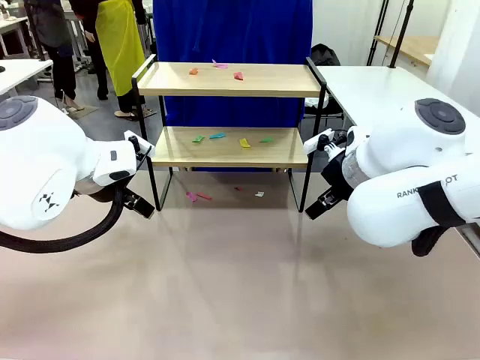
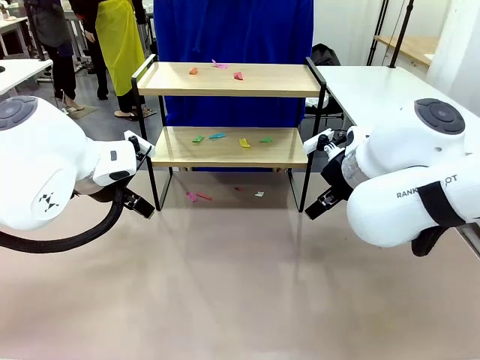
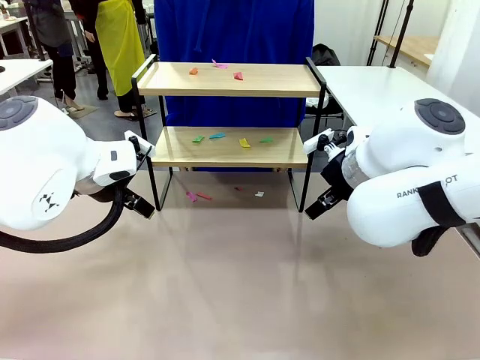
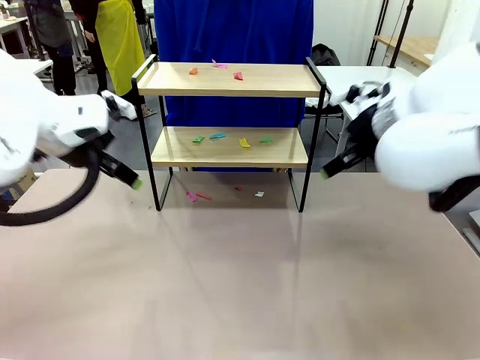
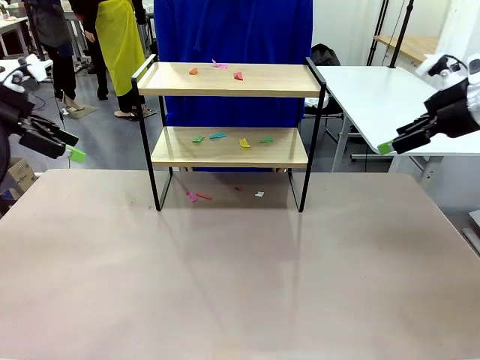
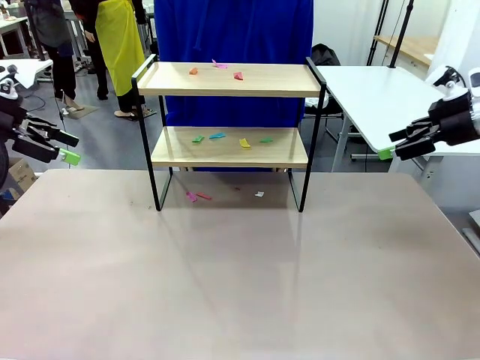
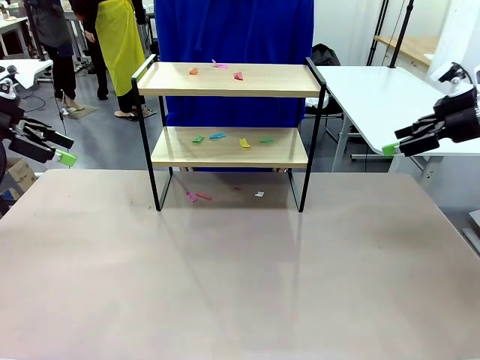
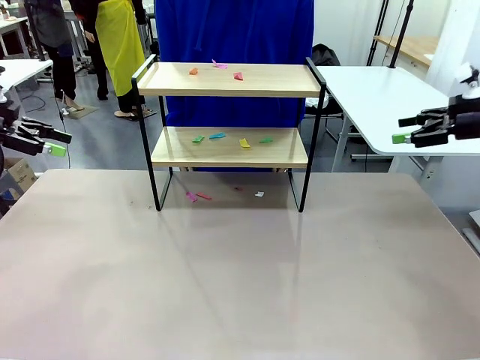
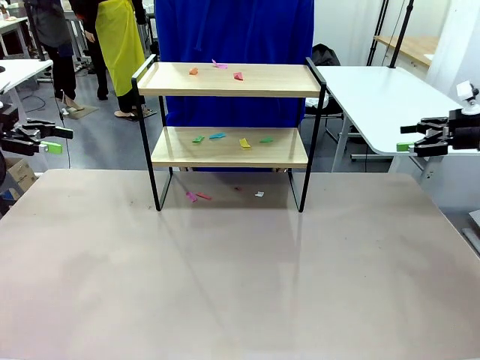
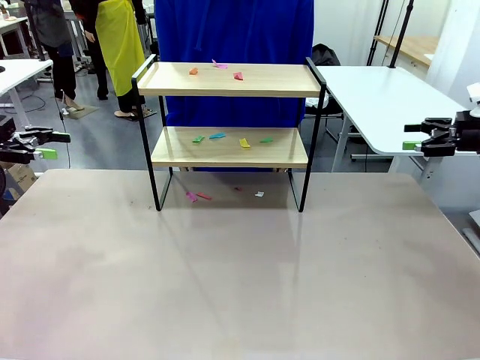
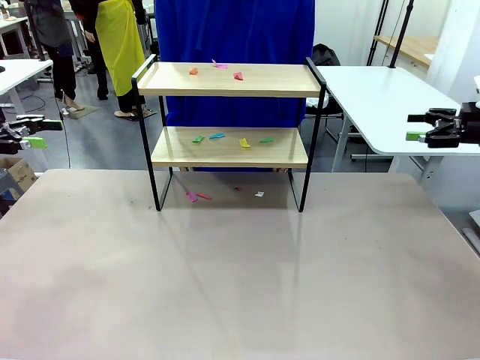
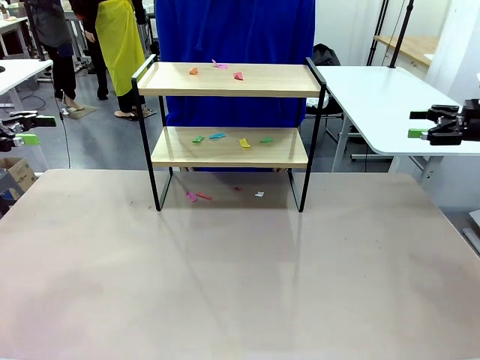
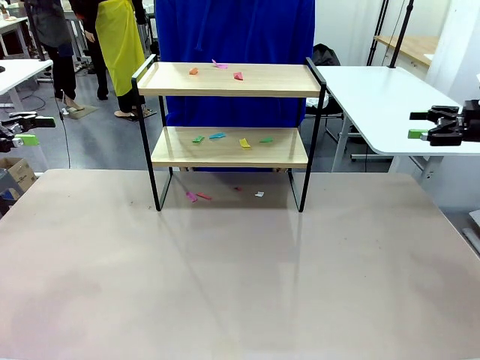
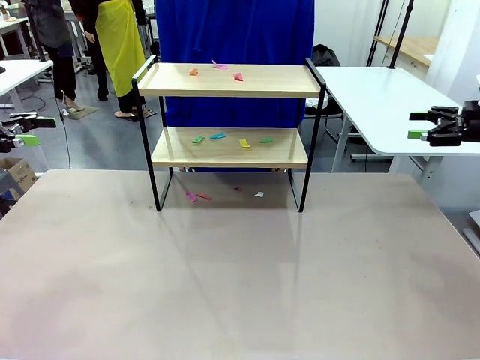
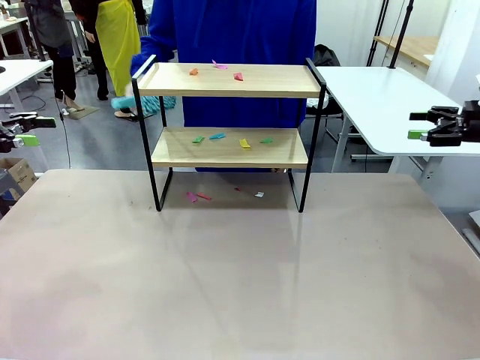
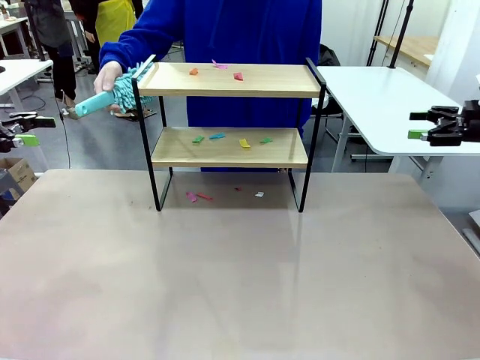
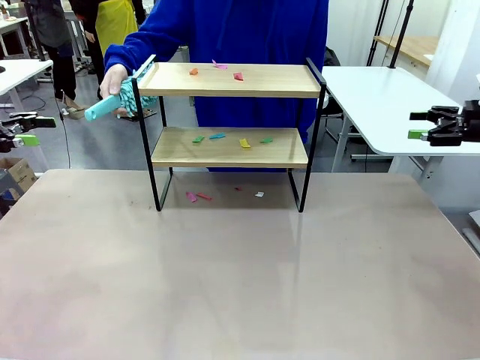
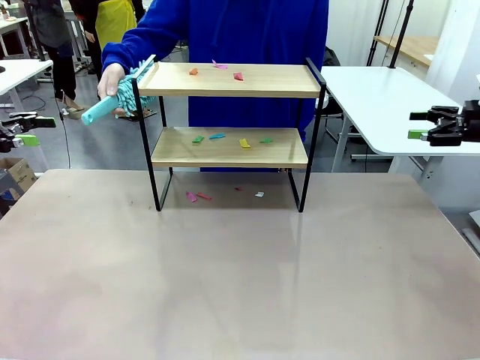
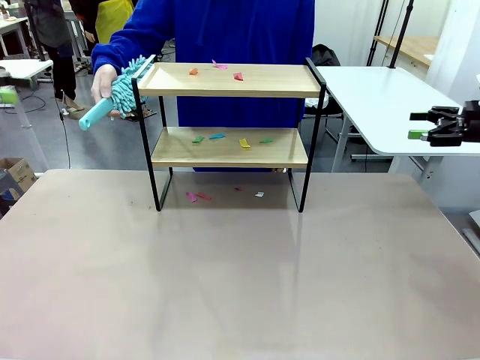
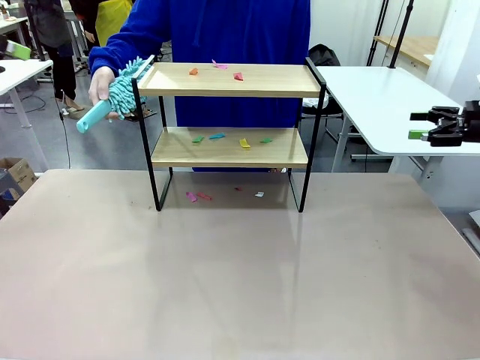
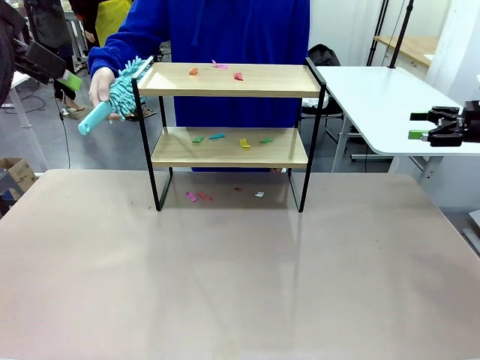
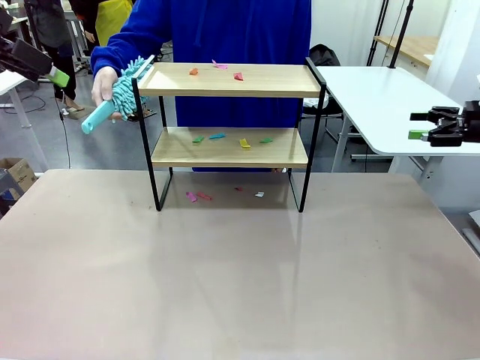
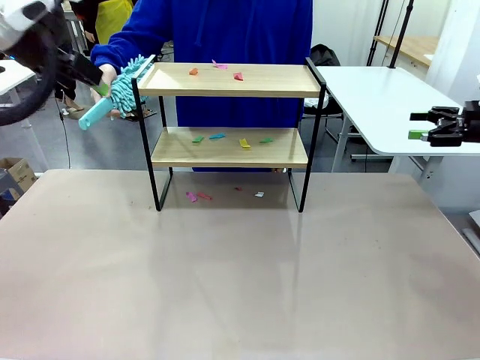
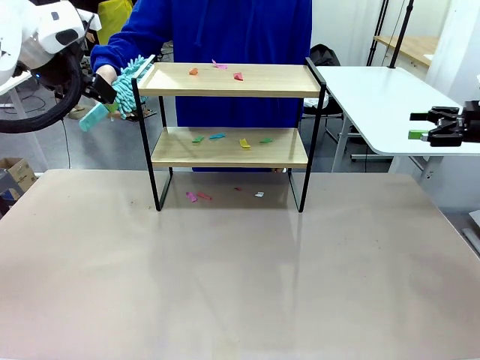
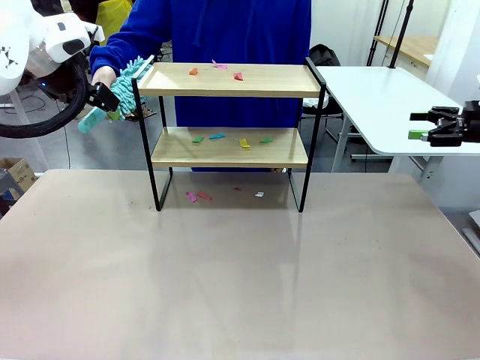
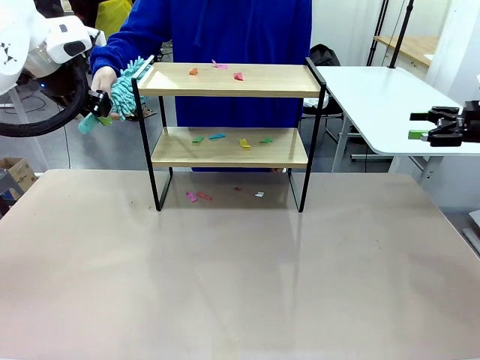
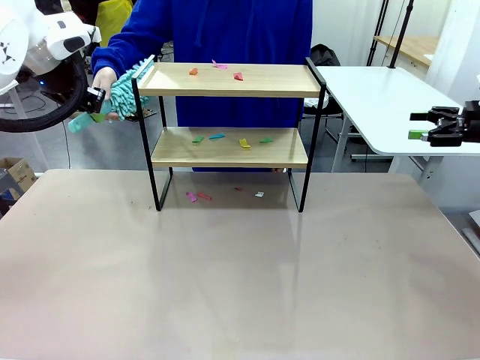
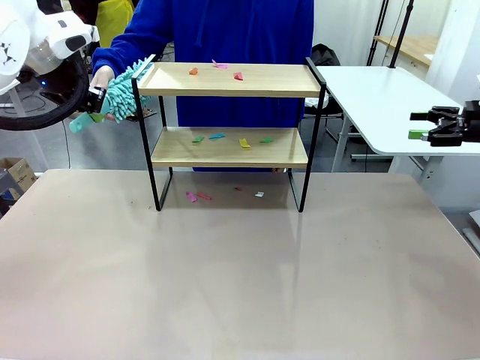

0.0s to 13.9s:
Task: Clean the shelf.
Robot: Pick up the Duster handed by the human.
Person: Hand the Duster to the robot.

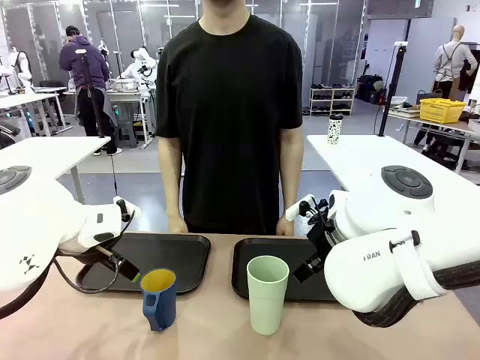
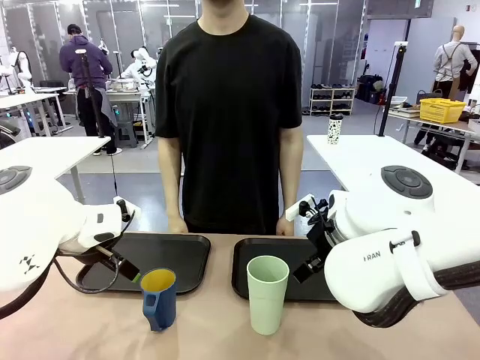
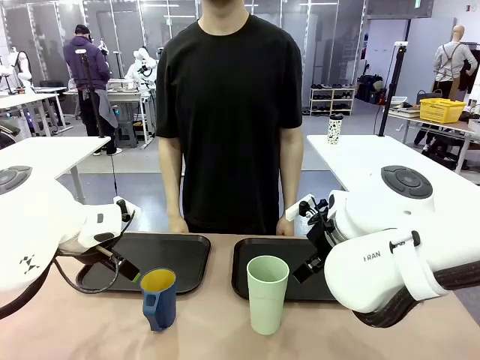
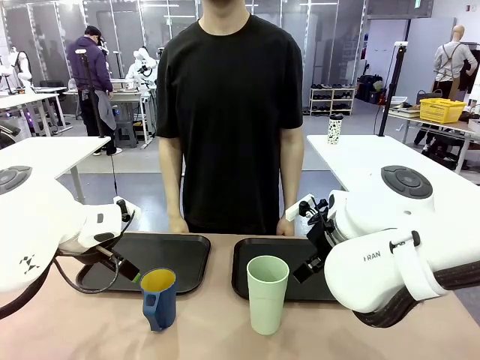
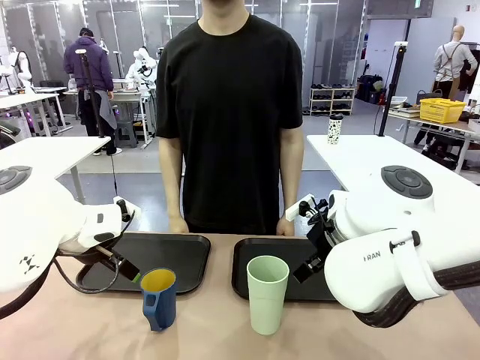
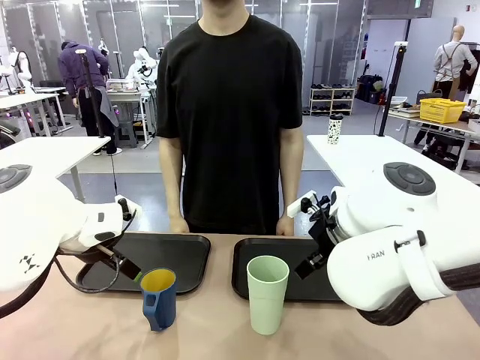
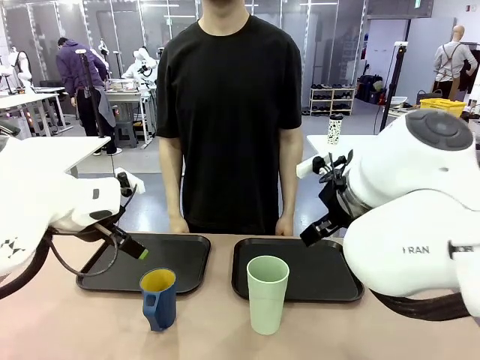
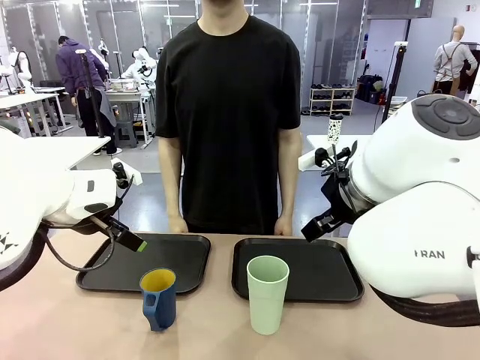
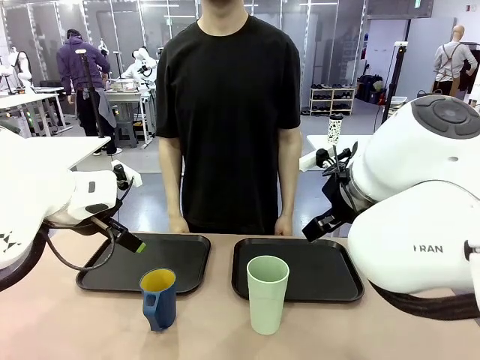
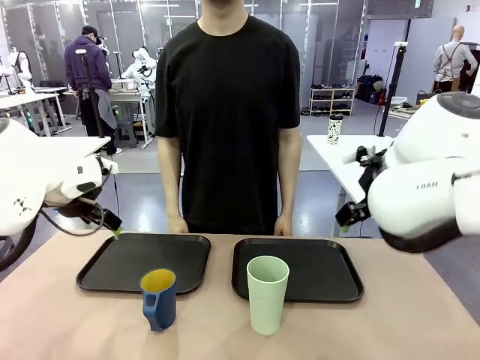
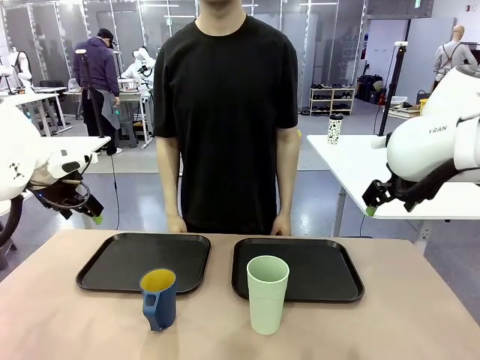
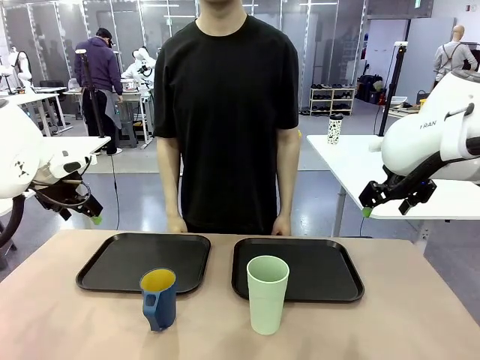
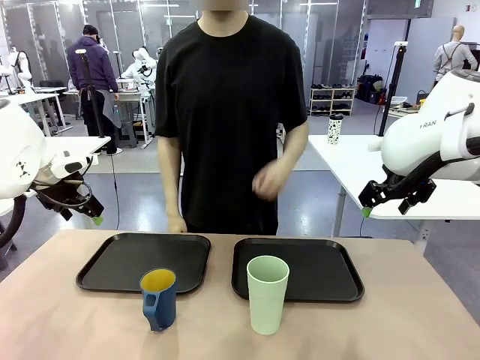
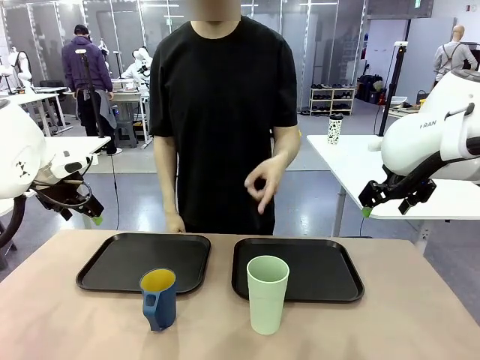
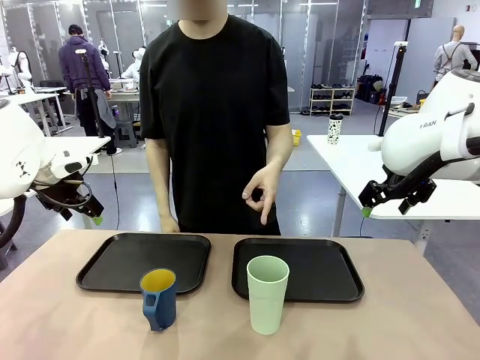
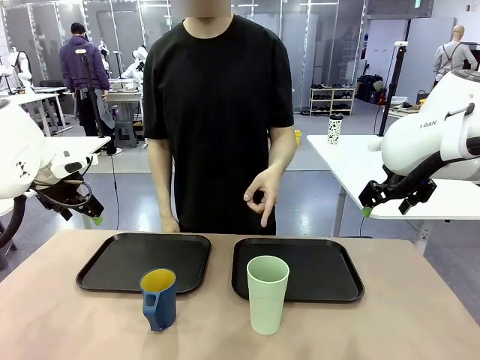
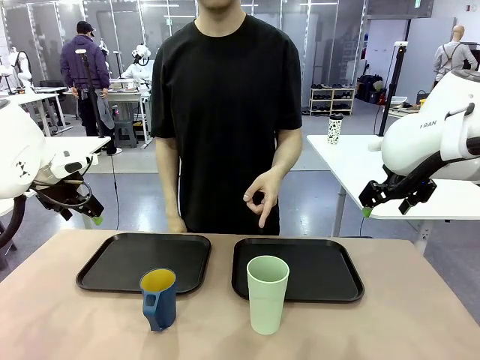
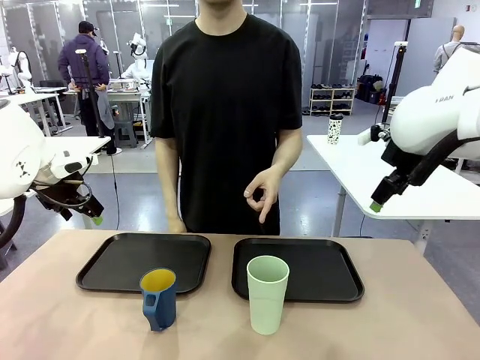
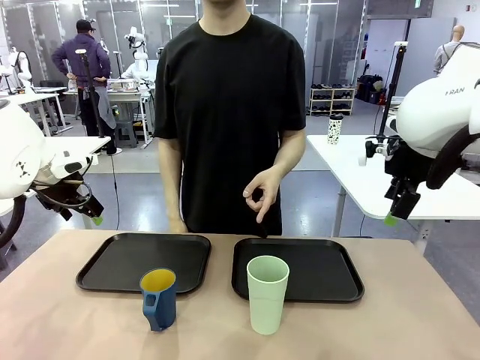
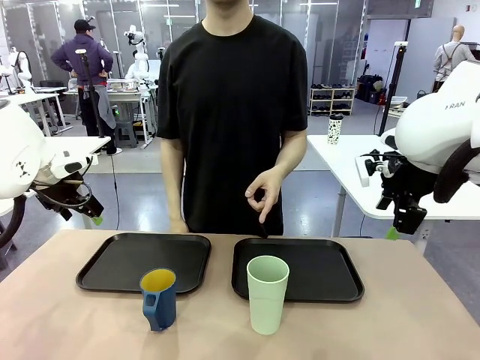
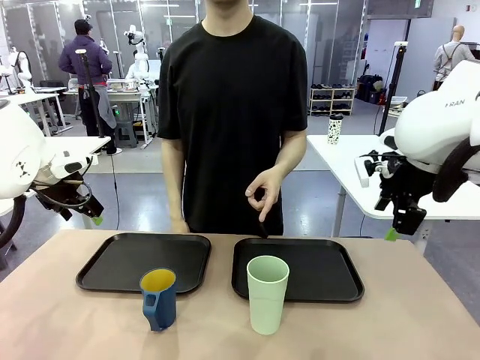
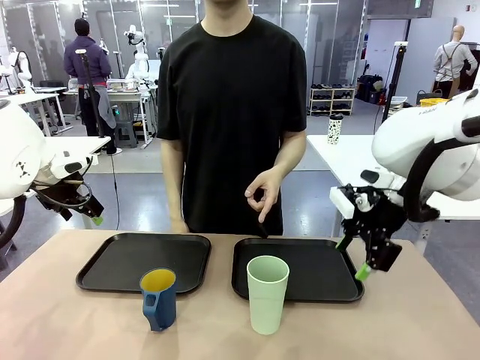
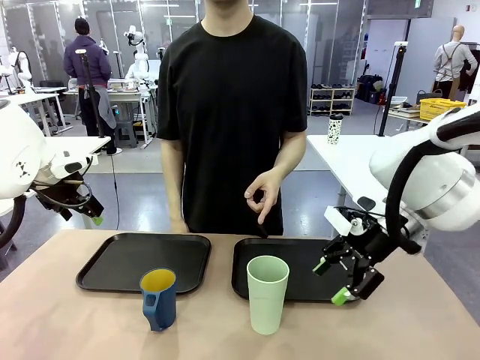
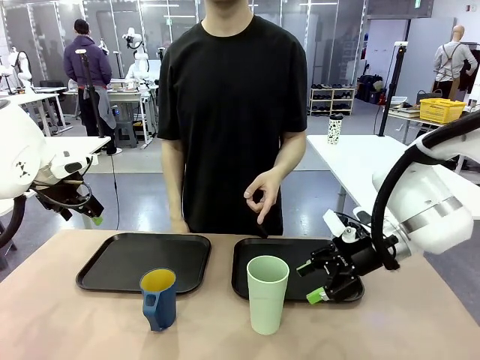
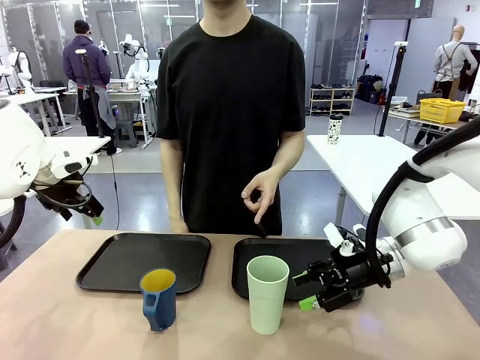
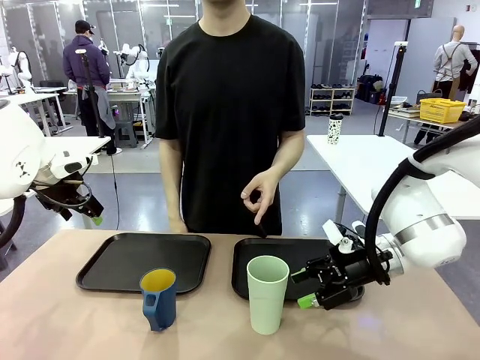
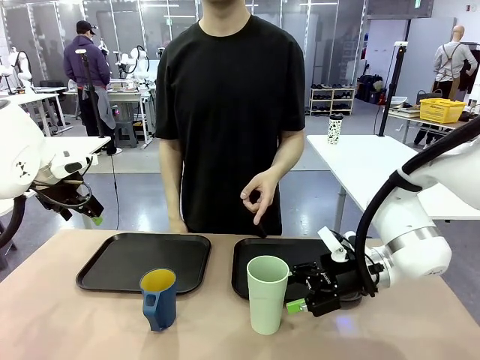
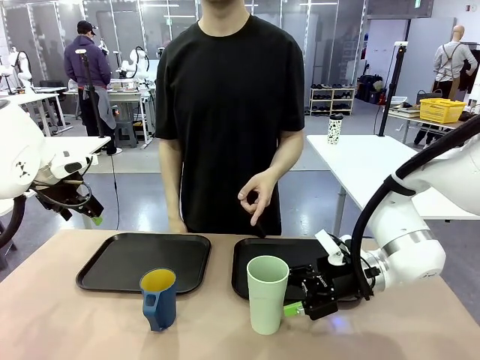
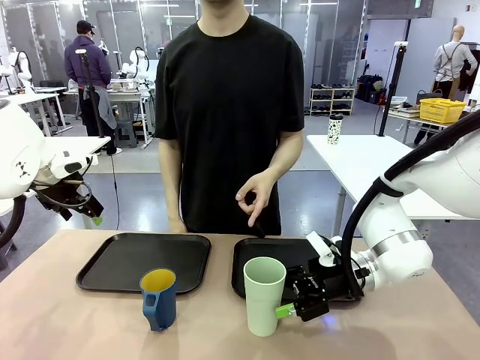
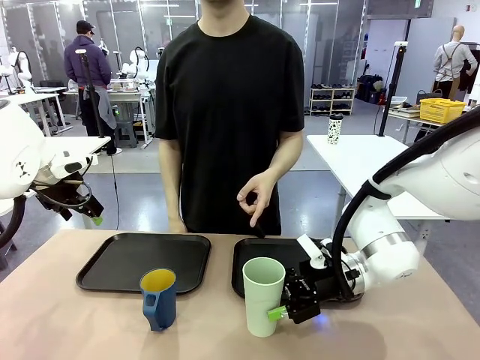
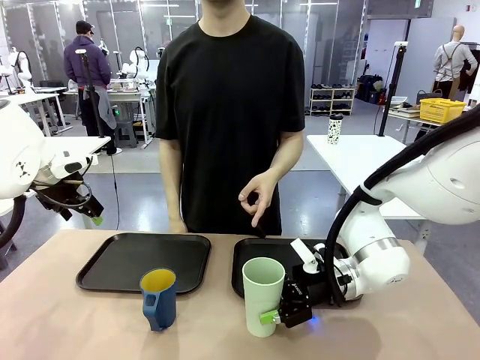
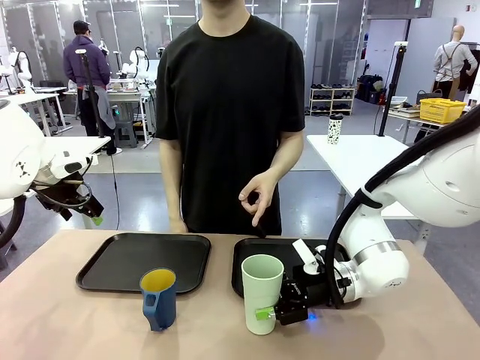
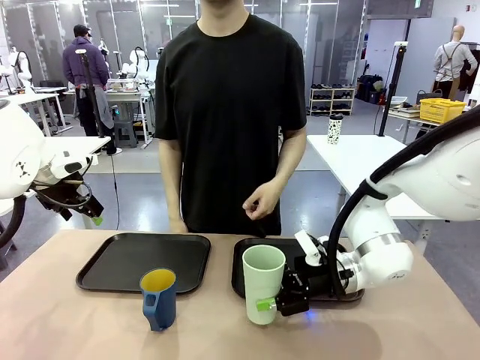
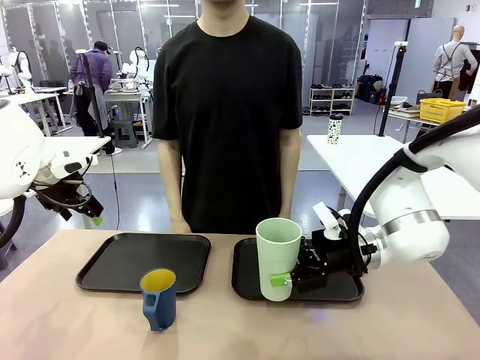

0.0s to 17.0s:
Task: Sort and store the cups by type.
Robot: Pick up the Reusable plastic cup.
Person: Points to the reusable cup. Point to one of the two trays.
